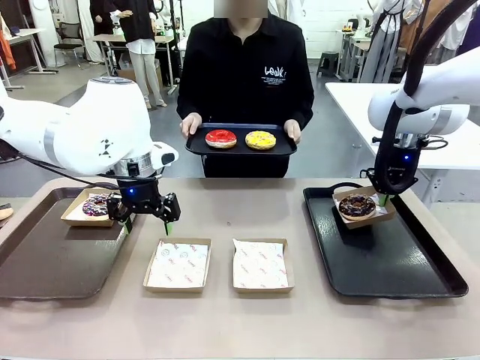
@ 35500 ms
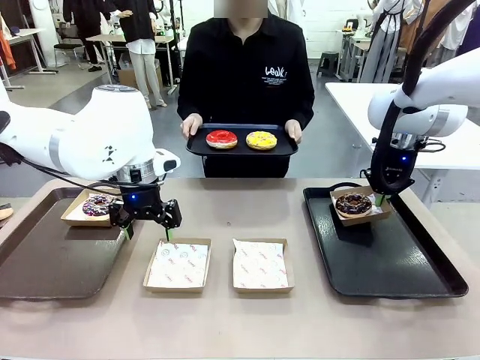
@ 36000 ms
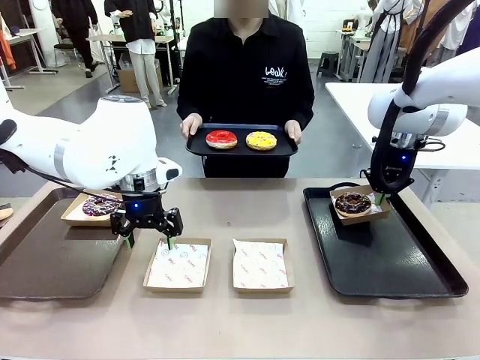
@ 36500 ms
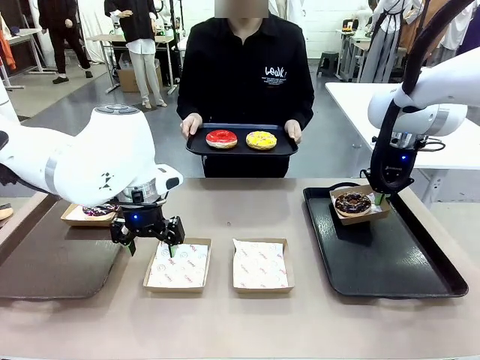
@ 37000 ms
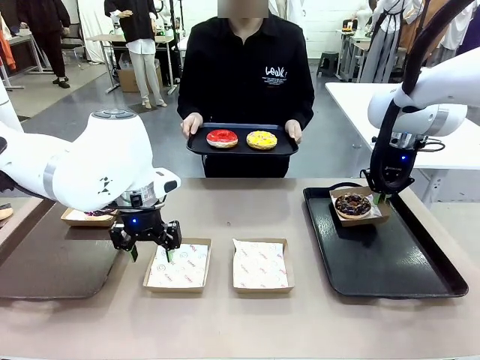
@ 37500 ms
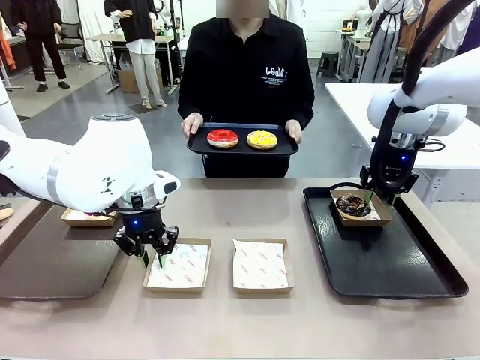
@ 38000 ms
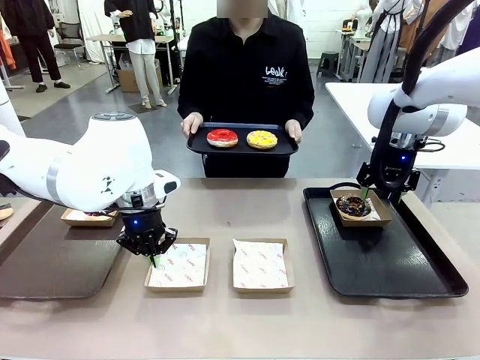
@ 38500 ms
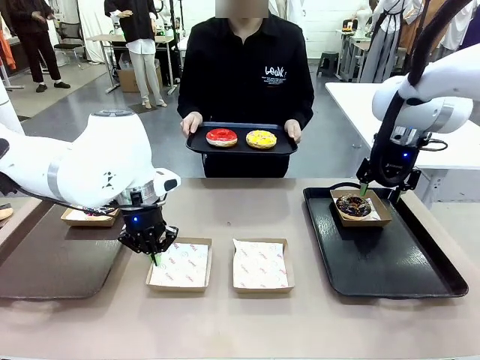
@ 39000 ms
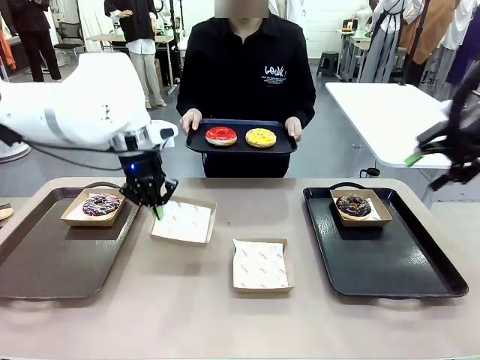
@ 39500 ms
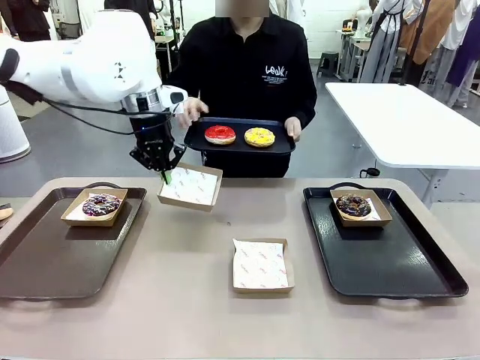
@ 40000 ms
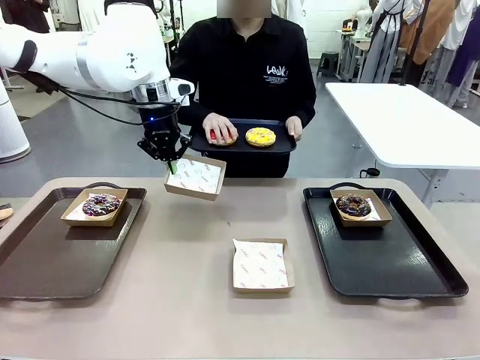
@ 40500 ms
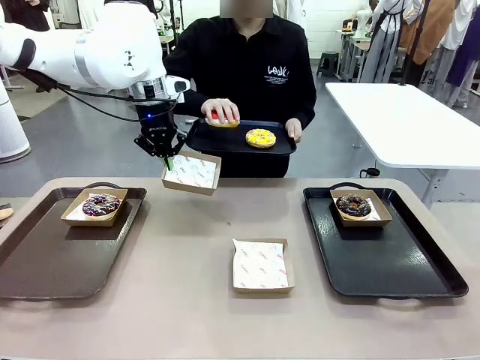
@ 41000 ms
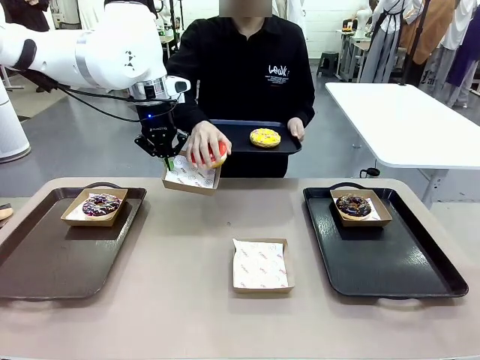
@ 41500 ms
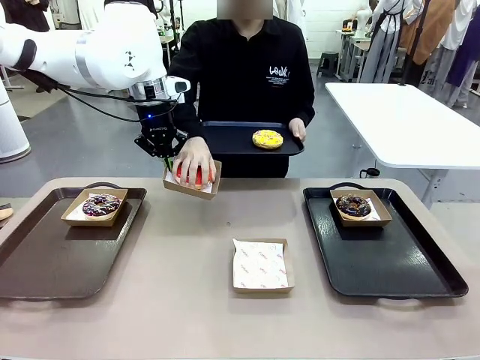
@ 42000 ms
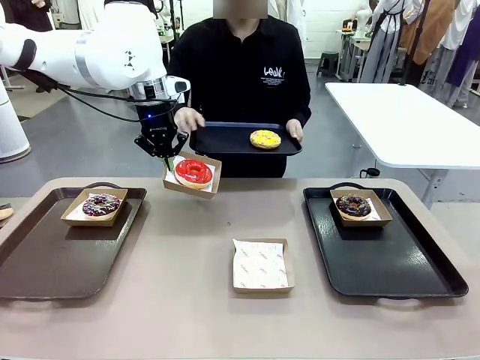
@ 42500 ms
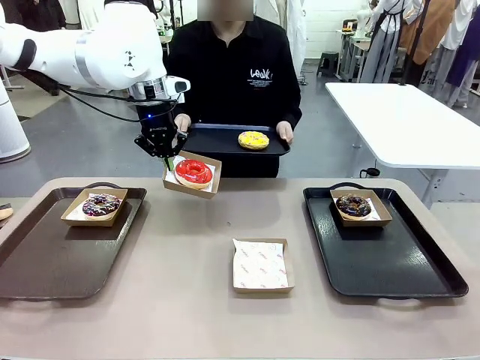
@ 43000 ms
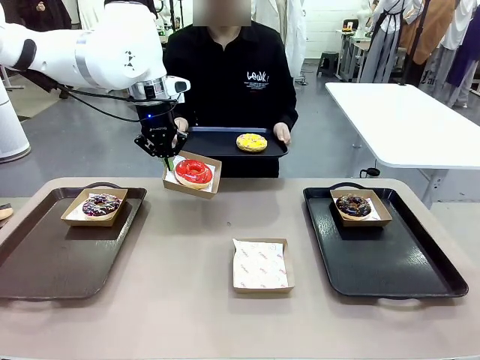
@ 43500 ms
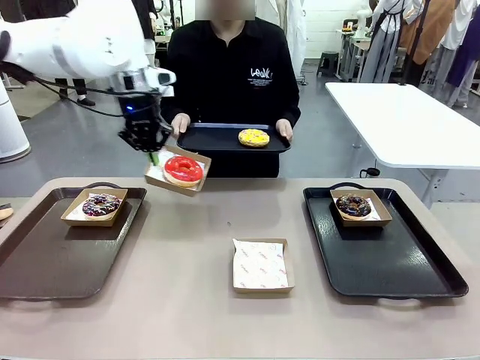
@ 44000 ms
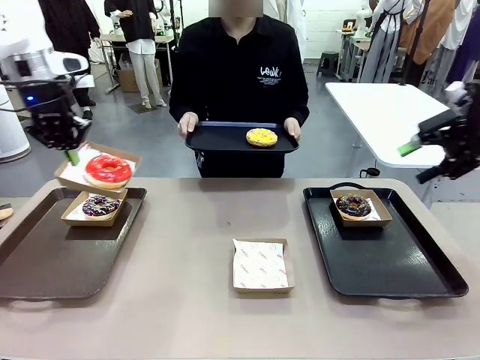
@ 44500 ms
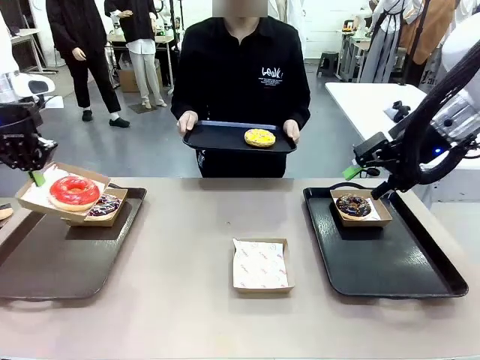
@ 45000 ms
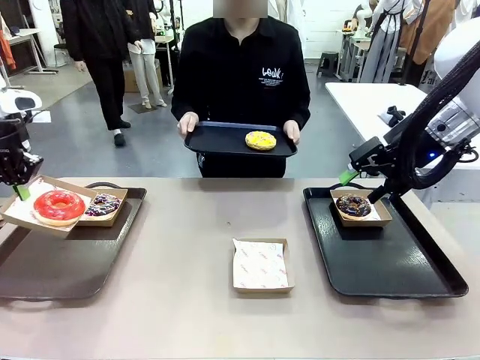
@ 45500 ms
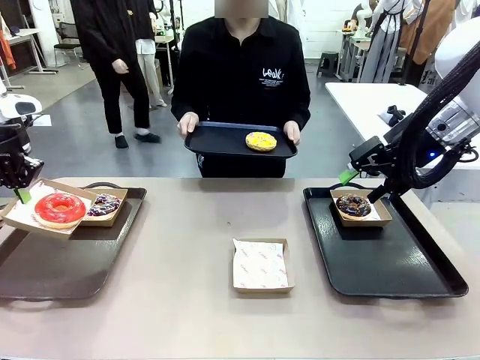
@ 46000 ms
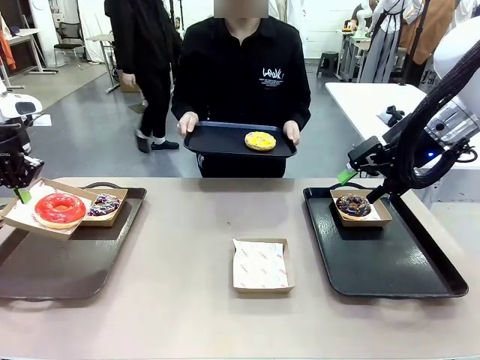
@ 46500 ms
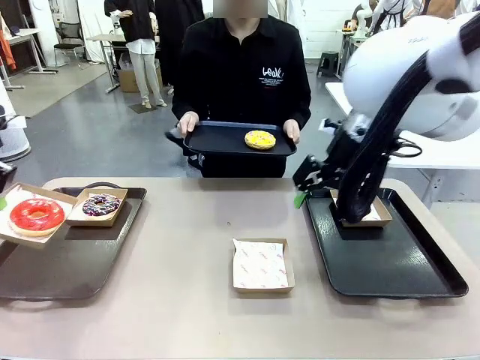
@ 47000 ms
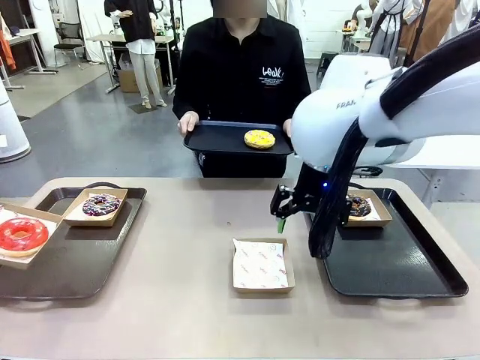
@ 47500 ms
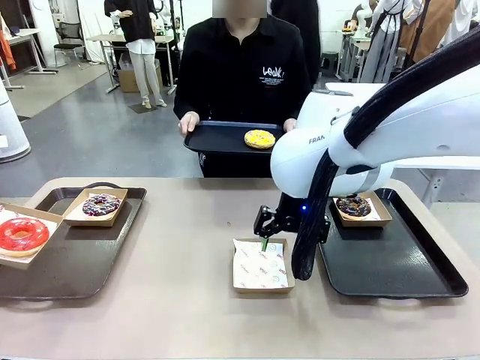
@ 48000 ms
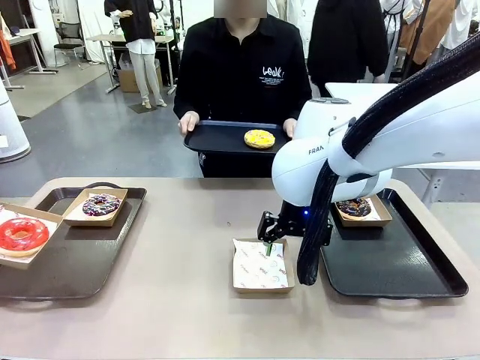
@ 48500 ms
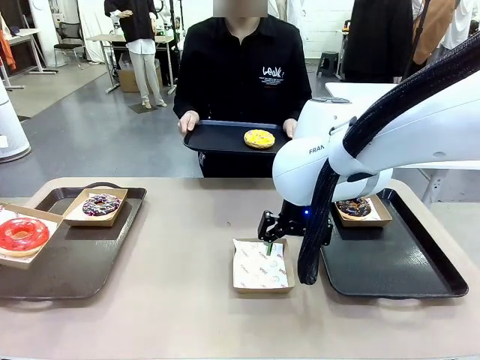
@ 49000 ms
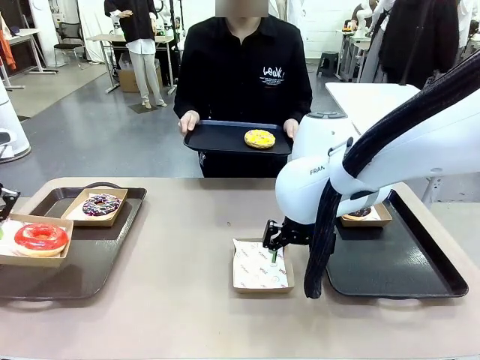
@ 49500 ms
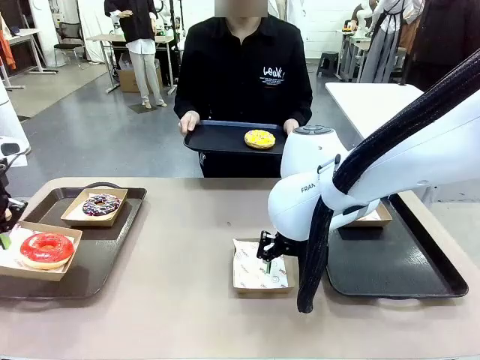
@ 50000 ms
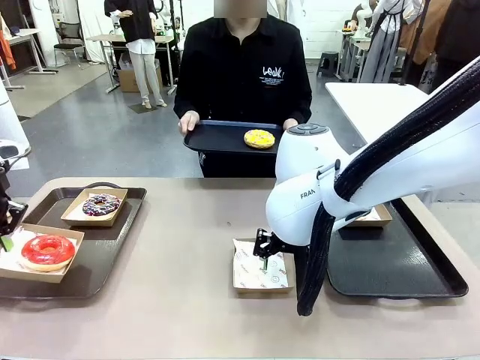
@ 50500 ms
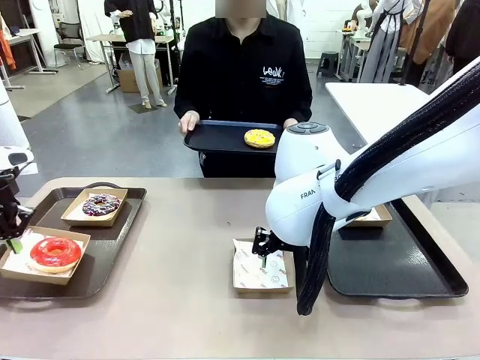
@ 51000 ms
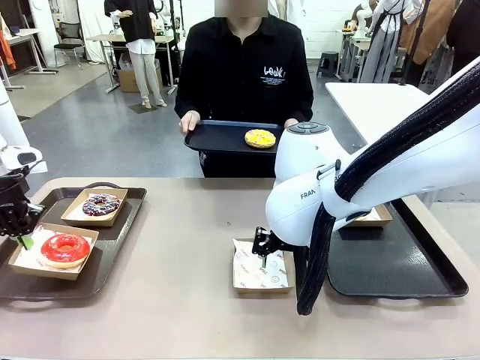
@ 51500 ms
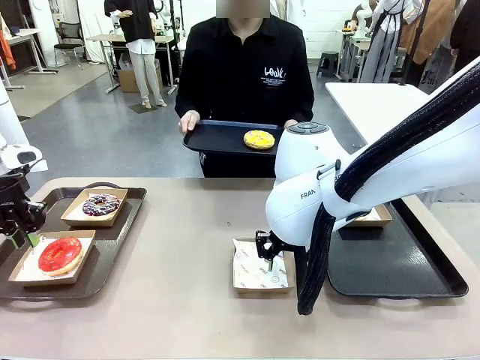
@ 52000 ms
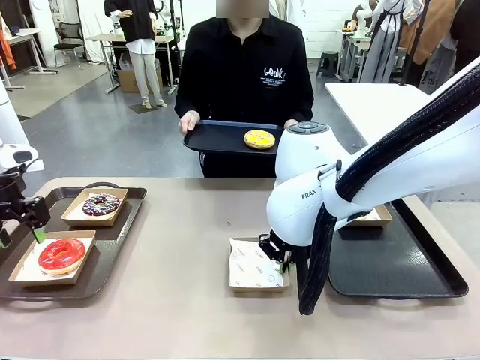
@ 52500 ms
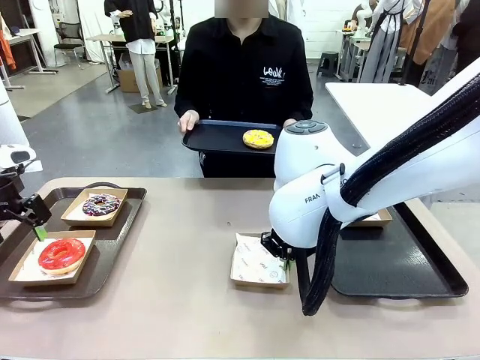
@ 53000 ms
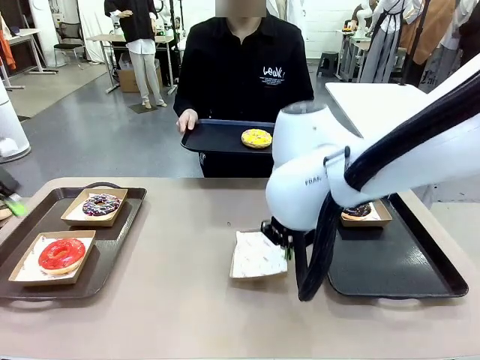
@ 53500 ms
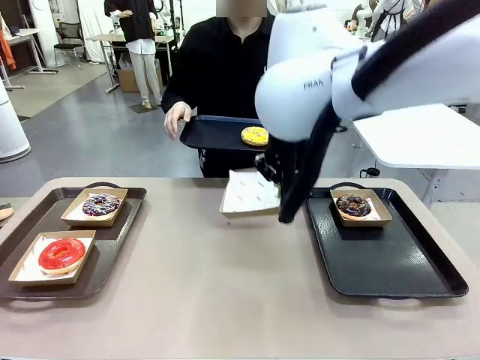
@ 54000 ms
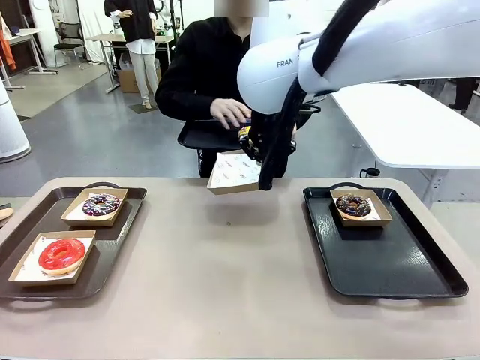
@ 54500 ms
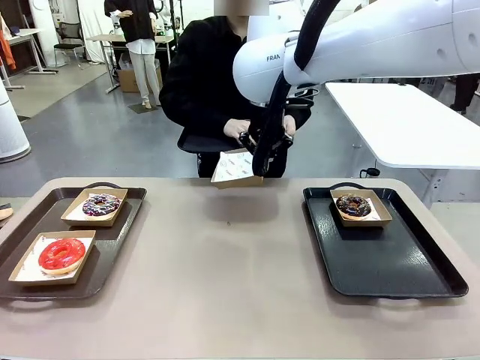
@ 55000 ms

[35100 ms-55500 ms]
Task: Individually package the donuts and arrange them on the tray.
Robot: Place the picked Paper togo box on the Handle tray while simultaneously picking up another Paper togo box from the table with the other hand.
